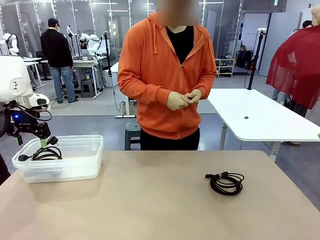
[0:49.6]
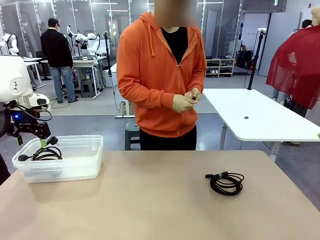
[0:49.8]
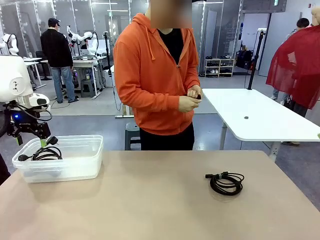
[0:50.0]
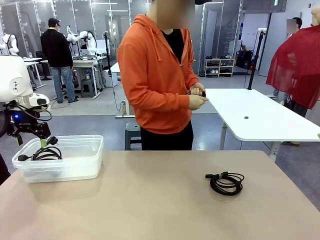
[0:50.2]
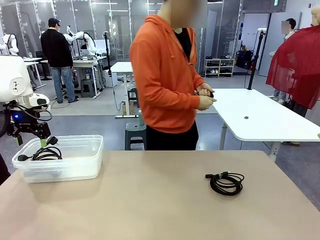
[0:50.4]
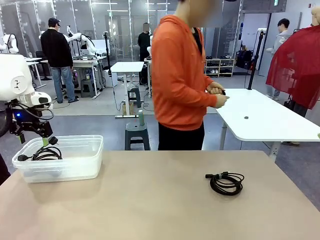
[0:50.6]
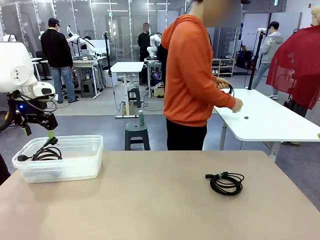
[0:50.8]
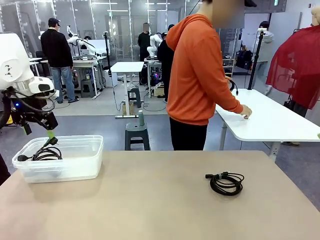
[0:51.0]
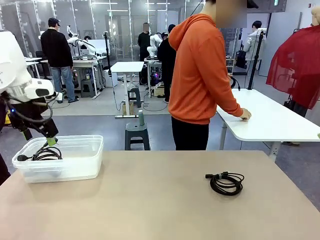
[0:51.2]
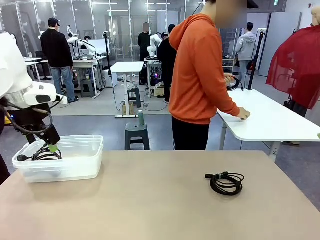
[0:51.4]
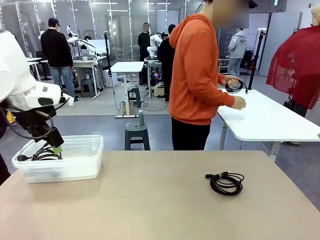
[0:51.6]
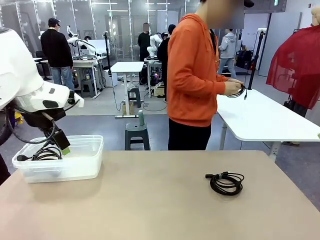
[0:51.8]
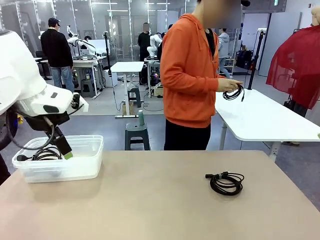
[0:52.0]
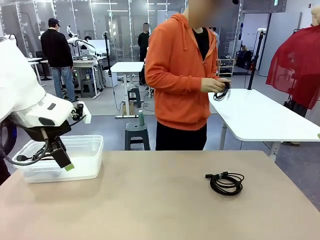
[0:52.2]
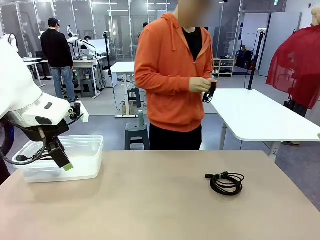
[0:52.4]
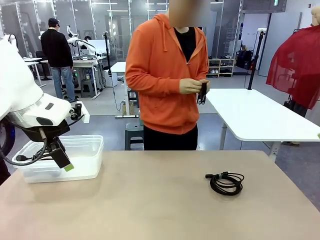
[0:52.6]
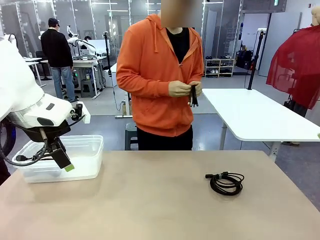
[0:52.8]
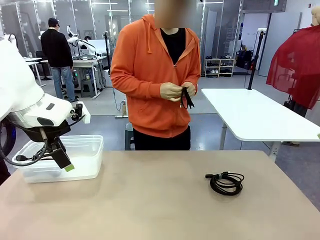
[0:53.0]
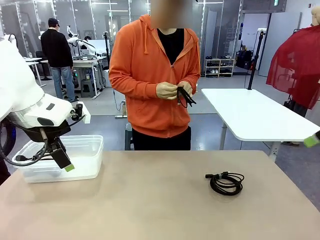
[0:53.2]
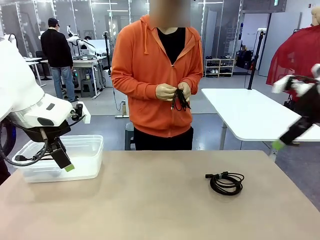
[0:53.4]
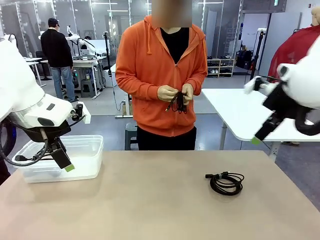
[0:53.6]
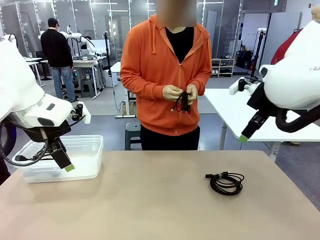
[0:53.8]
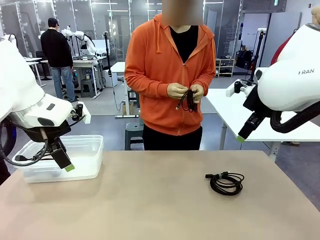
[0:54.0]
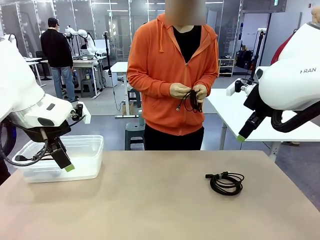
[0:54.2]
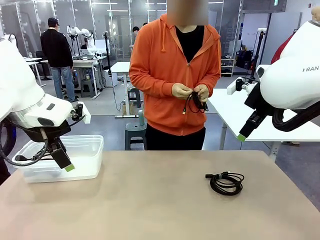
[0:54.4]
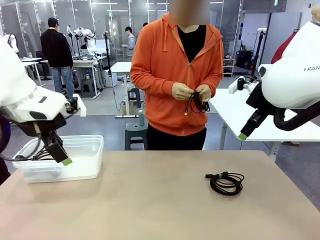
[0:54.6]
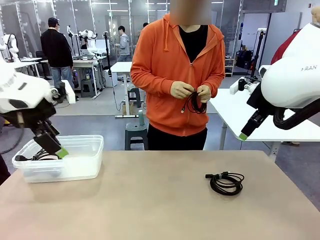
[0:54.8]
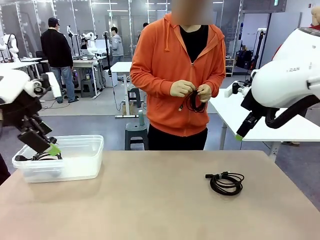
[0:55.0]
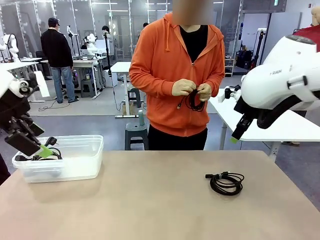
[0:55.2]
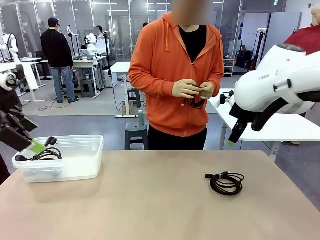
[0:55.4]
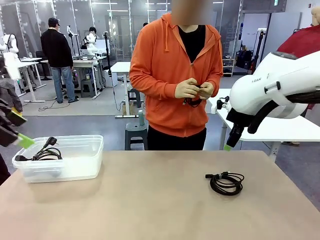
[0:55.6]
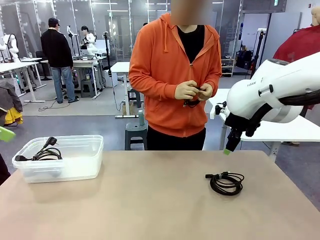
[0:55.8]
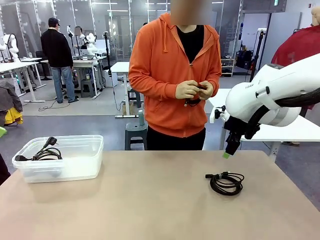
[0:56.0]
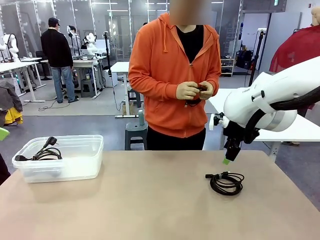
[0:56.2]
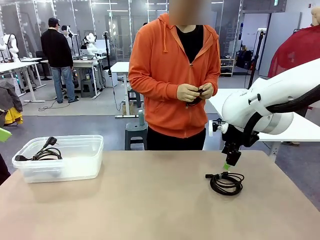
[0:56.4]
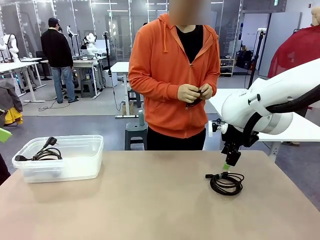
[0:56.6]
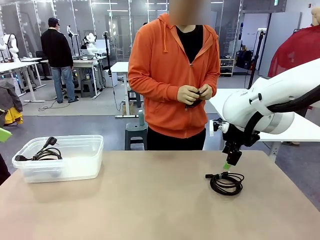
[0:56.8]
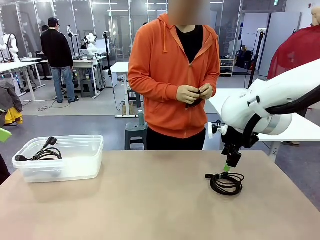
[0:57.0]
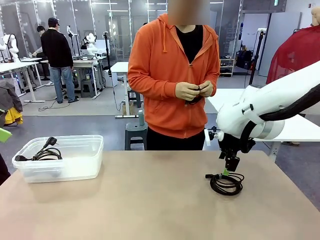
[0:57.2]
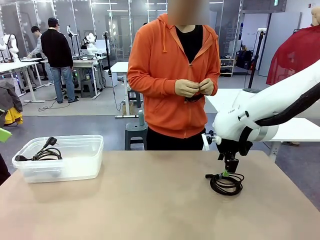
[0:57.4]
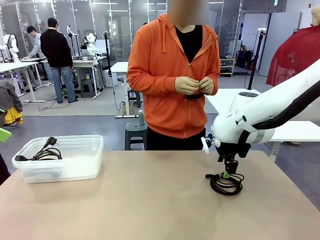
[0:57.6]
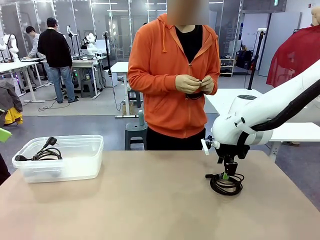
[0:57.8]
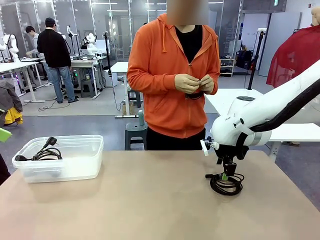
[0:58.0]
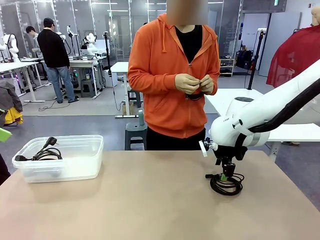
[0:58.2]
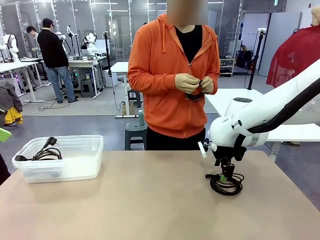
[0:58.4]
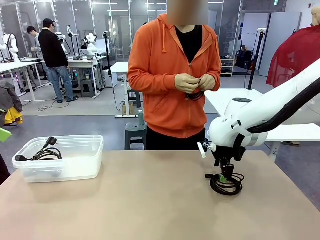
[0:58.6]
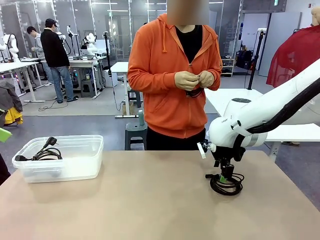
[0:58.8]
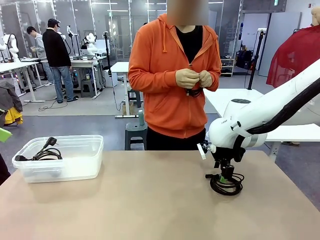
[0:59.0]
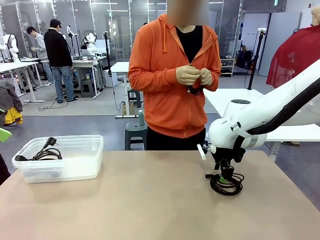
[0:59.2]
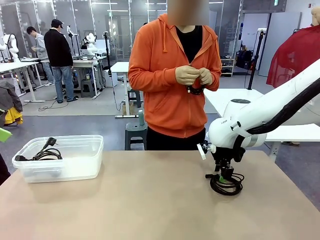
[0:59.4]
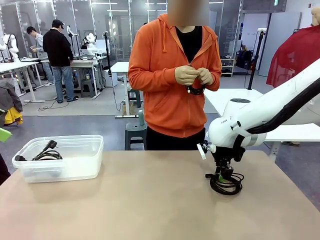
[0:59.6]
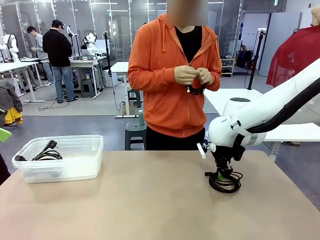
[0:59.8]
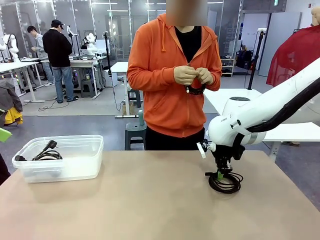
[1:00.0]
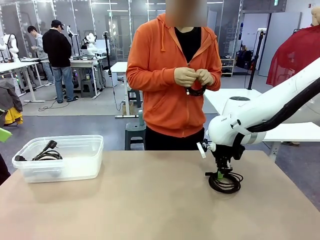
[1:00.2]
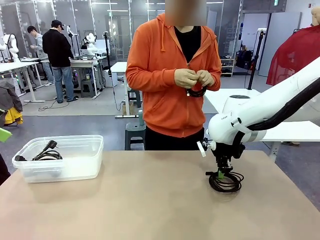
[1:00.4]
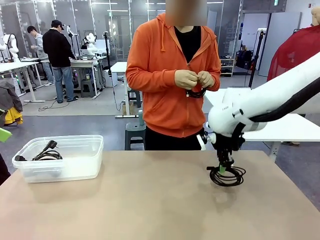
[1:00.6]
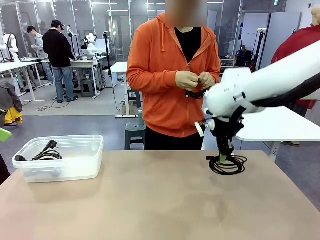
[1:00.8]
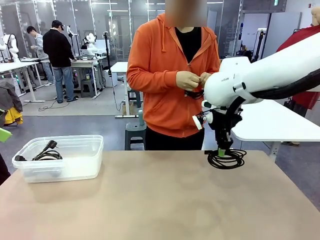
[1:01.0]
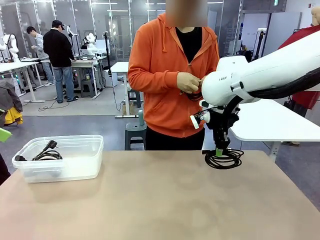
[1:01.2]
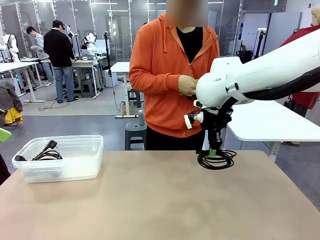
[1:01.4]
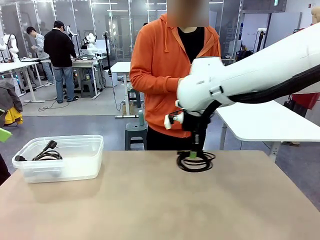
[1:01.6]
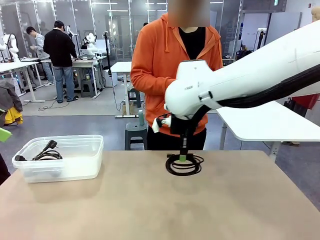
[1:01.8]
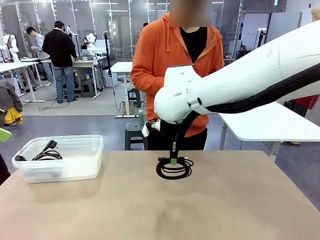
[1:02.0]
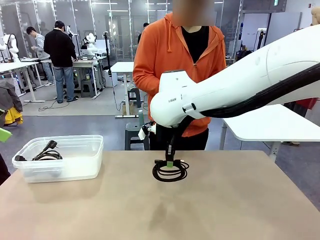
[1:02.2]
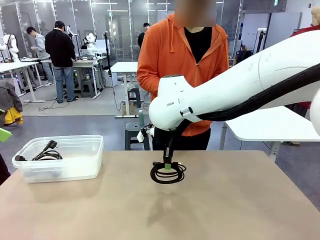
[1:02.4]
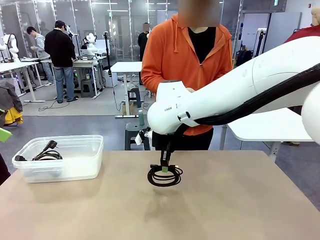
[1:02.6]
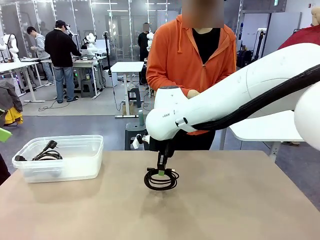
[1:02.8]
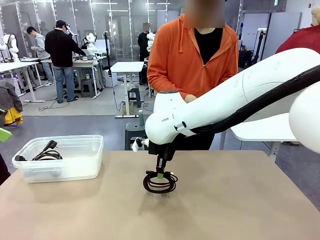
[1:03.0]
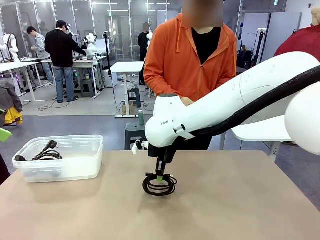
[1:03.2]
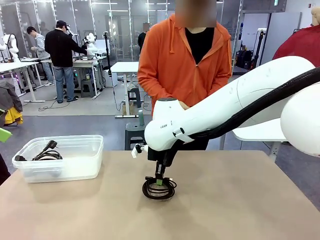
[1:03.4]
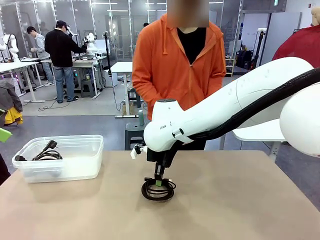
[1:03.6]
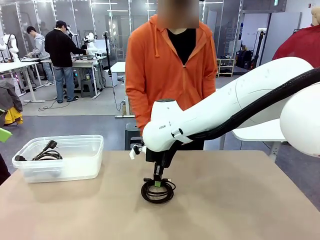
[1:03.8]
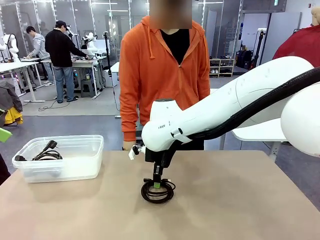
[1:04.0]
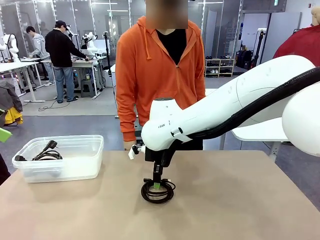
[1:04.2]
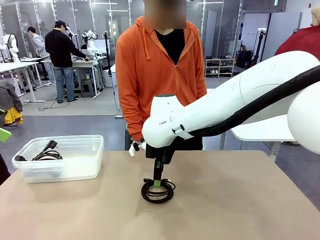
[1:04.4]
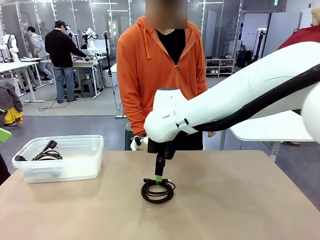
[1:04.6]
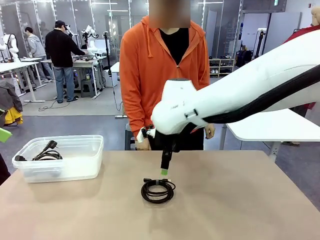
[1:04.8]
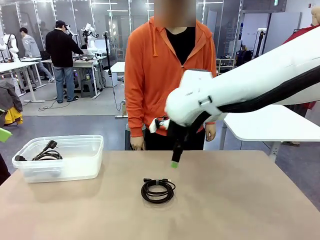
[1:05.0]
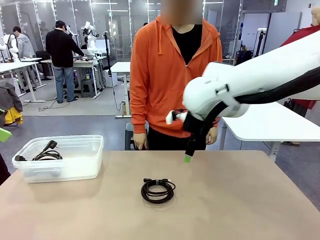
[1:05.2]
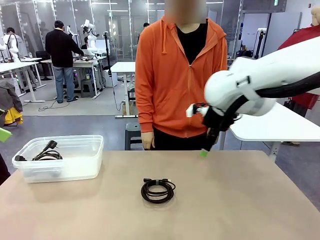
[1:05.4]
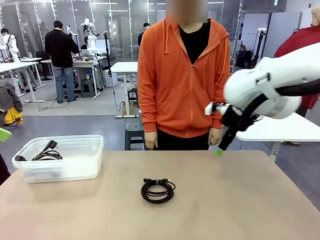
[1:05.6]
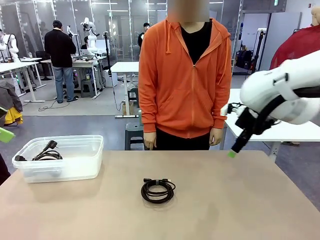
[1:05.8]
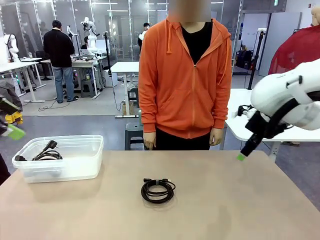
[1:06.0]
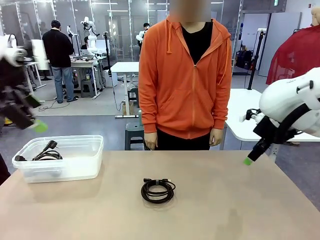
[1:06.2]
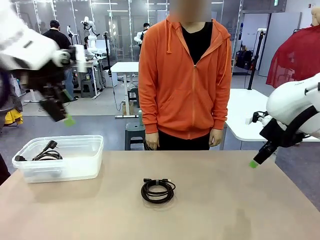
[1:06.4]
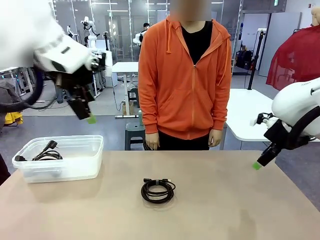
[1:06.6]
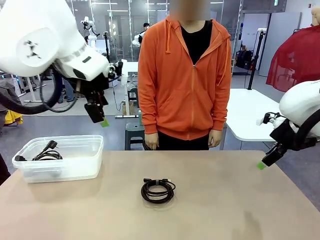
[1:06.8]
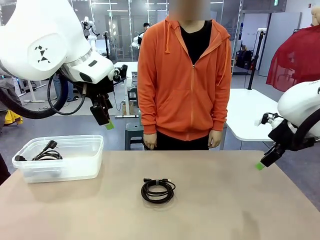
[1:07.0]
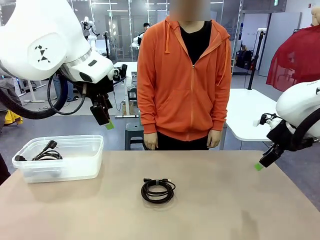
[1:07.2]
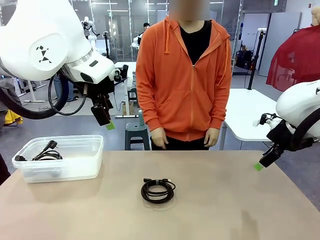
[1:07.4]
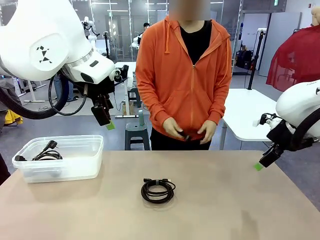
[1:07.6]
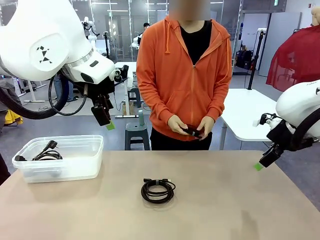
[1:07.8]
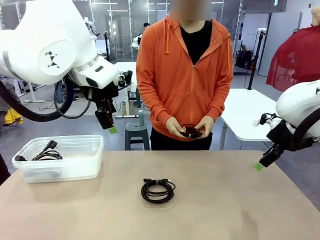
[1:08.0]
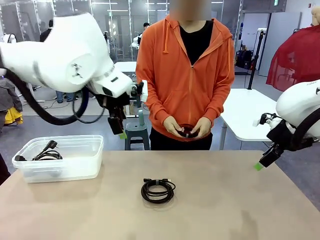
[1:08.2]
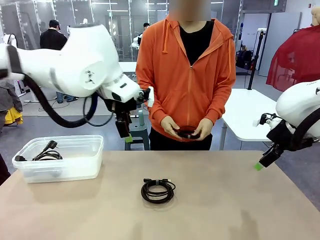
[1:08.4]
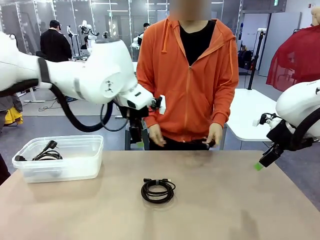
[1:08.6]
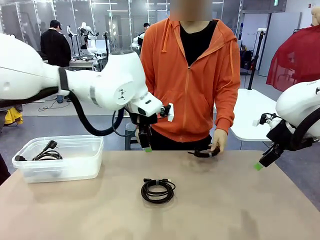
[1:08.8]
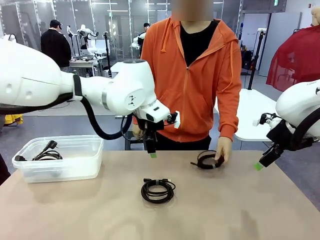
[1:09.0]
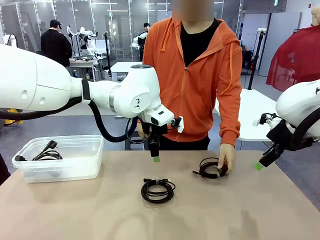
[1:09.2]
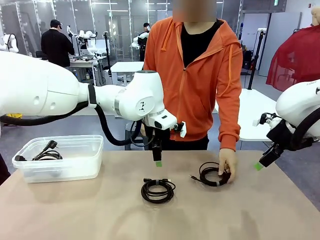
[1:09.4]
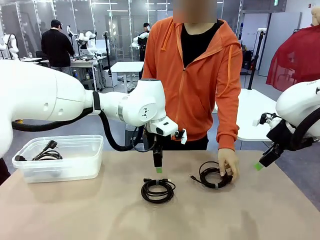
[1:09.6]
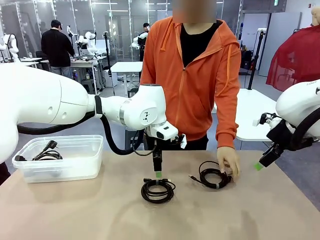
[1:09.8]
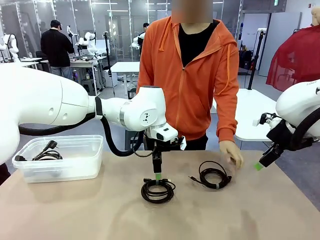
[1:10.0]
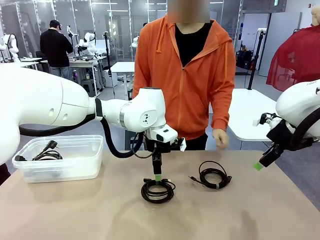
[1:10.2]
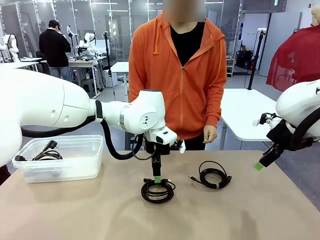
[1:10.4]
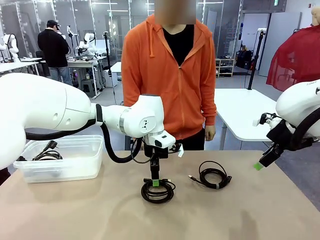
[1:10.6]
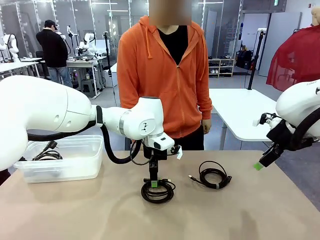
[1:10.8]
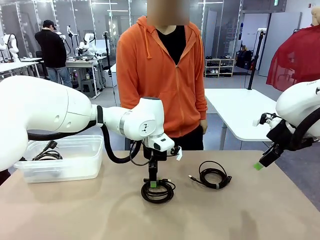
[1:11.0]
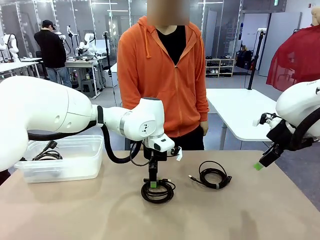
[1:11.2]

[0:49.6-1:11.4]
Task: Organize and store the cables.
Robot: Place the USB Extension Cable into the Organizing box.
